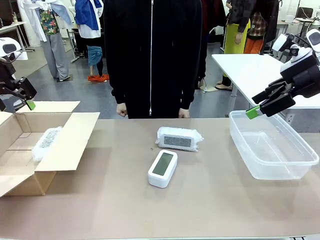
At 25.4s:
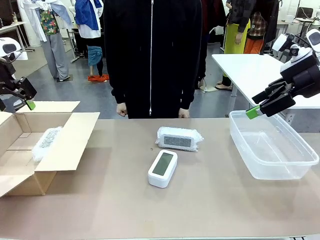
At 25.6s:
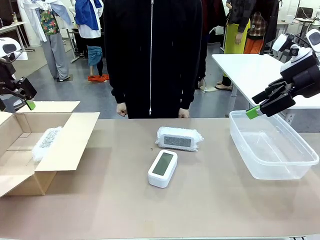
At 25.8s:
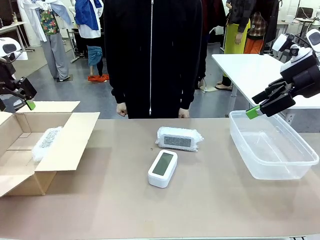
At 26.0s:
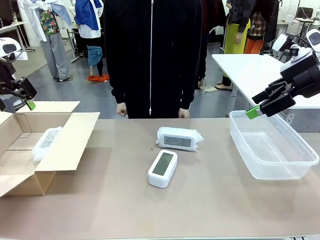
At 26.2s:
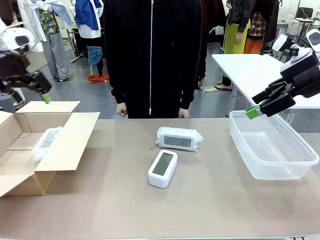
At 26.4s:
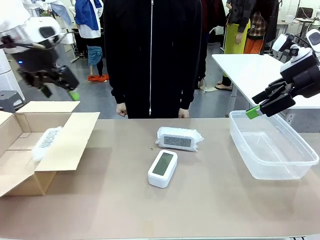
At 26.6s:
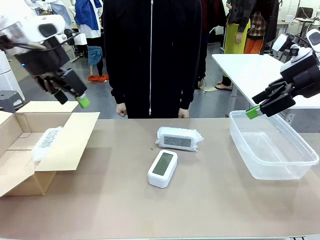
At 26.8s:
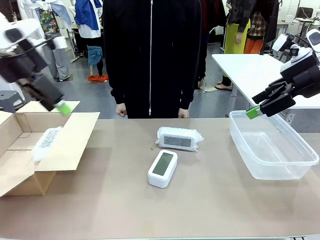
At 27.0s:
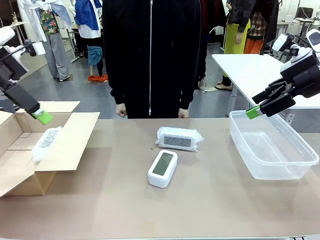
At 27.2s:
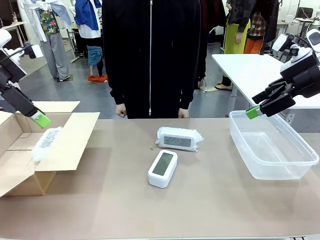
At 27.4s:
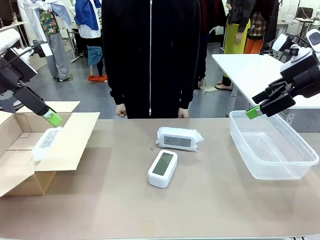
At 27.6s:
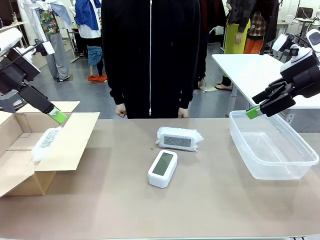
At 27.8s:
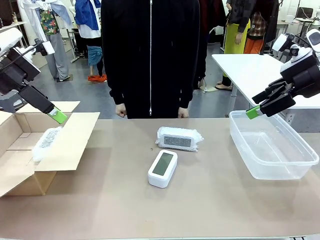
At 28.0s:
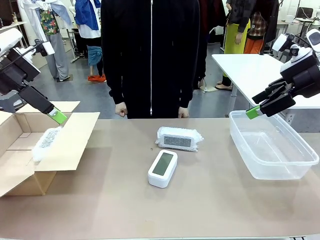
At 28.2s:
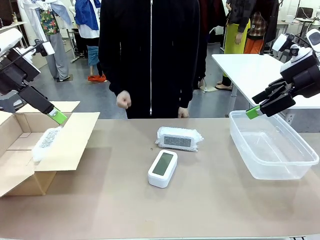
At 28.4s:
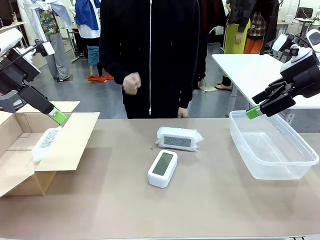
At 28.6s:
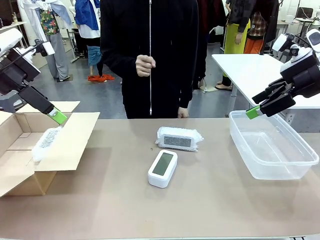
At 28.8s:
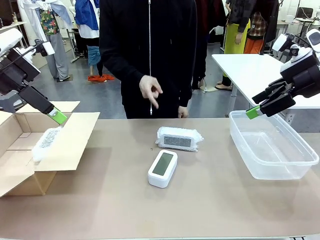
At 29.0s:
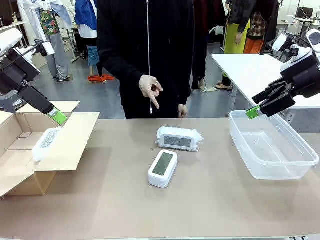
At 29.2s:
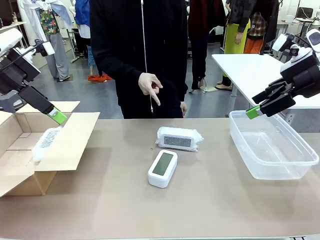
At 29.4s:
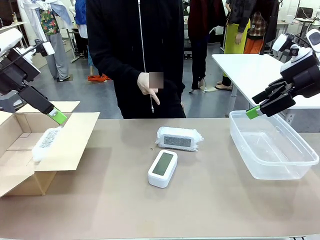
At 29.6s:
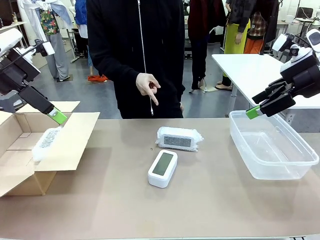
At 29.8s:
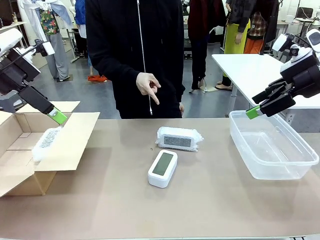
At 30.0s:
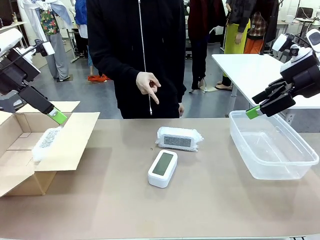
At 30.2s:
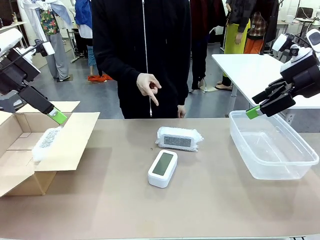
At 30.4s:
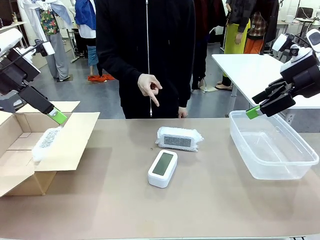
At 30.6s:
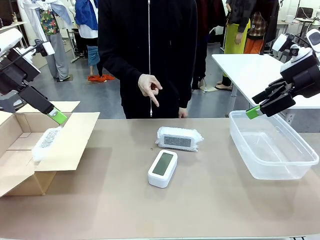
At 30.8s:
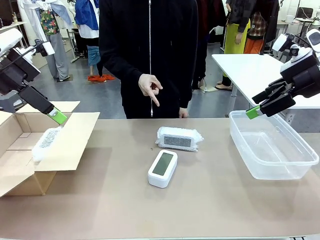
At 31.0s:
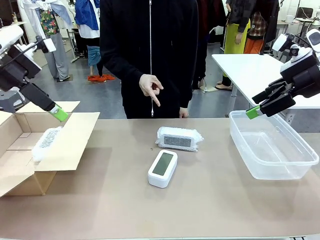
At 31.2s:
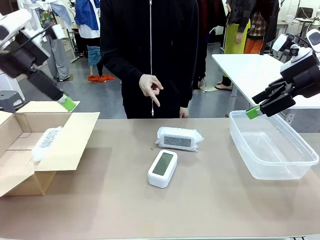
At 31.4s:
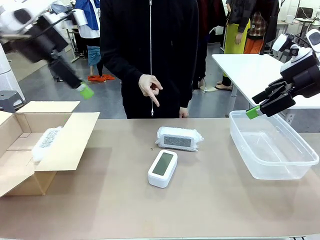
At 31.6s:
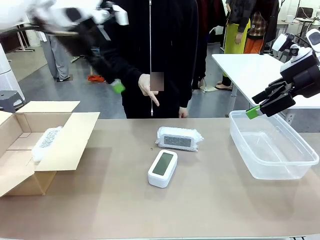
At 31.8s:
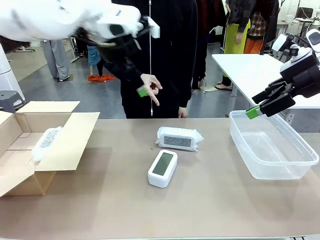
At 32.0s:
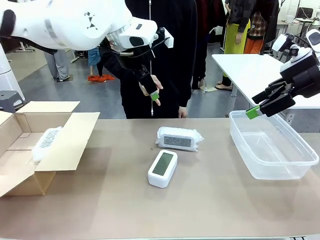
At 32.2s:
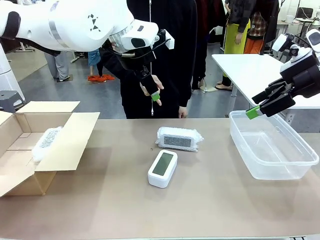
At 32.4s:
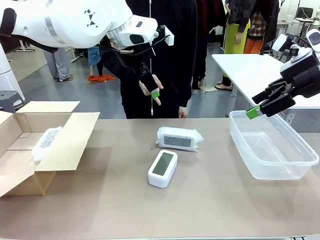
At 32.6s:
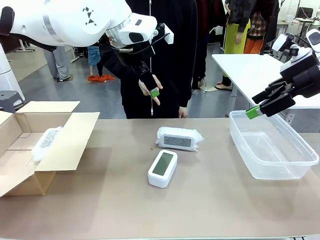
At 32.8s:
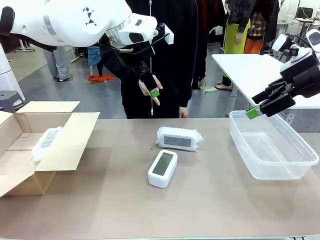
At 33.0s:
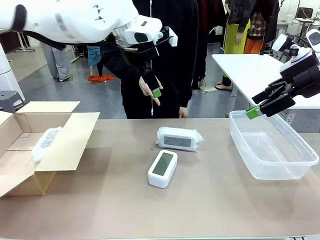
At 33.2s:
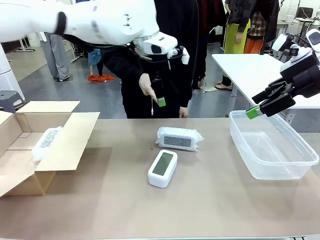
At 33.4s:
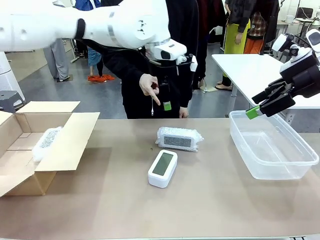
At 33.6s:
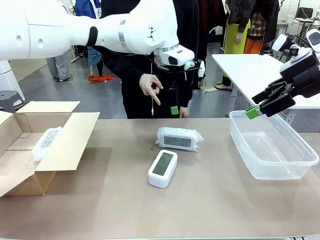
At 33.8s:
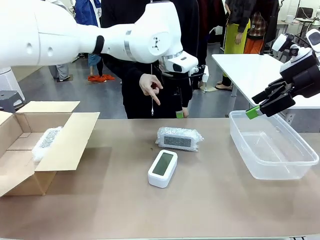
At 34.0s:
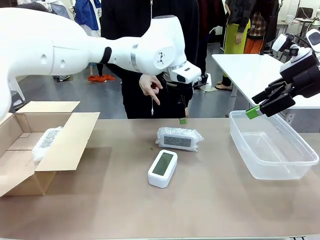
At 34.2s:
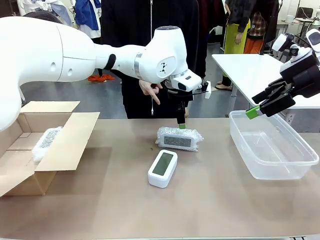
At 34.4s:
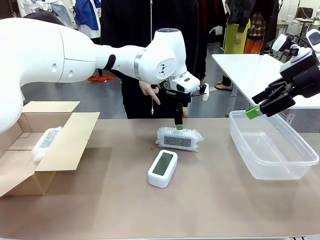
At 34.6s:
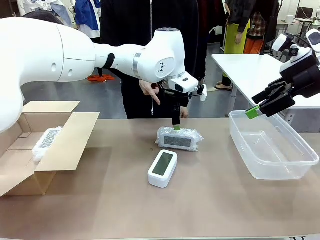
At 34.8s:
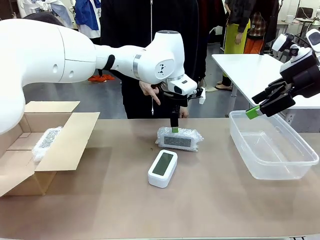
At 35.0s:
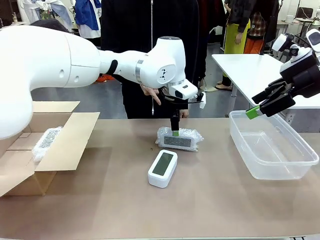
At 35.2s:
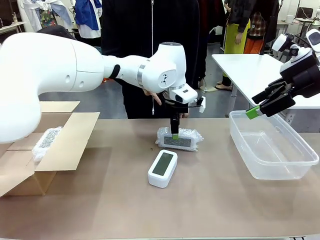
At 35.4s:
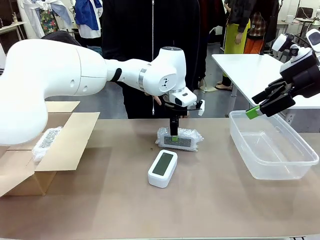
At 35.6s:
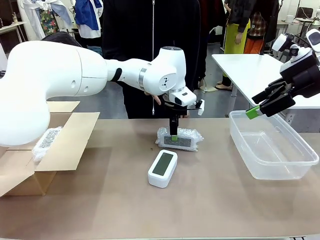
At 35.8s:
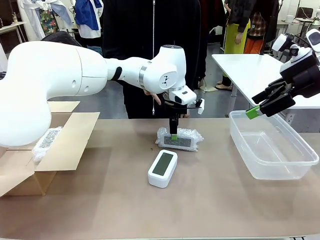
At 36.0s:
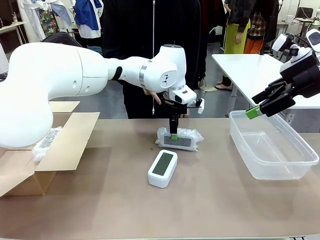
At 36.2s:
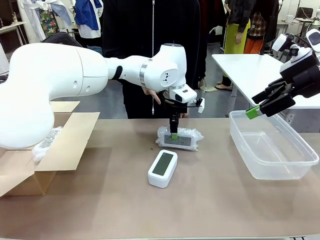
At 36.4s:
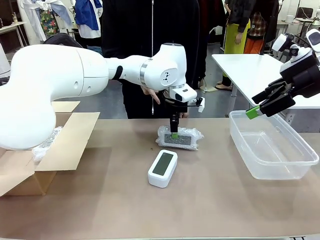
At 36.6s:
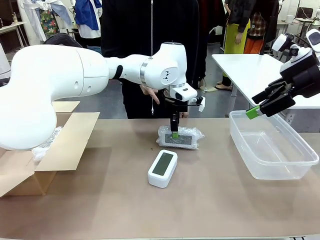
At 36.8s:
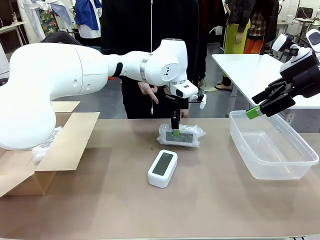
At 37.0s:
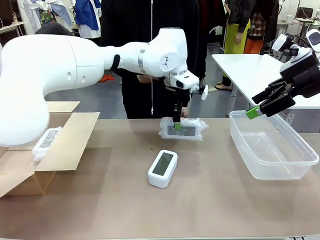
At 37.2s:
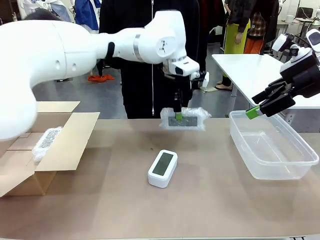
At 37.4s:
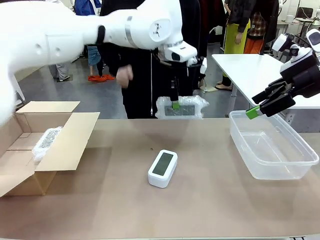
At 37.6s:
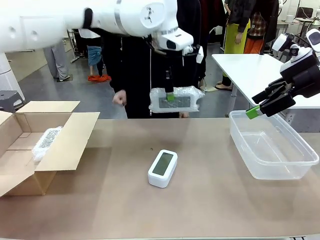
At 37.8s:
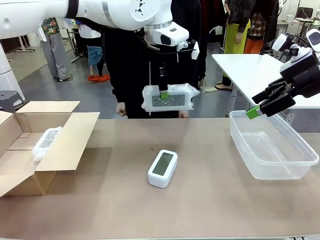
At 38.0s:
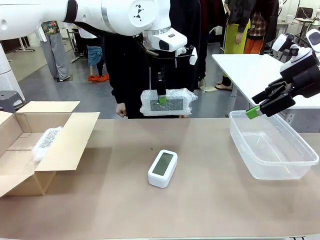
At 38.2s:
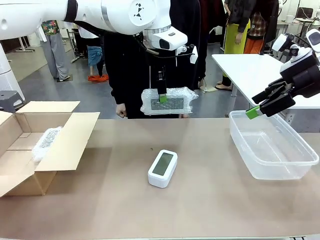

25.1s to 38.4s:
Task: Separate and place wrapped and unwrapped clocks.
Robot: Pick up the Digital clock indicated by the person.

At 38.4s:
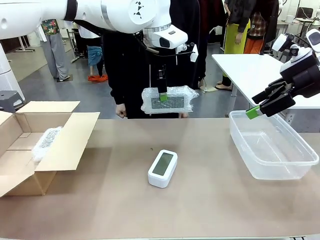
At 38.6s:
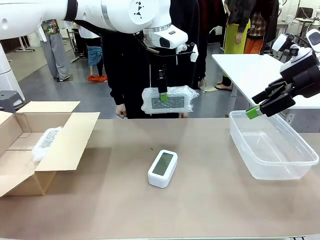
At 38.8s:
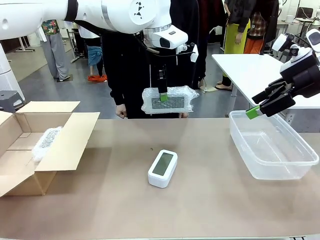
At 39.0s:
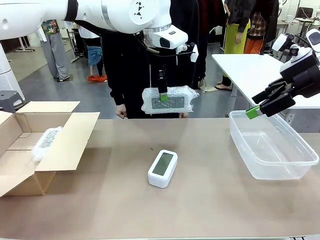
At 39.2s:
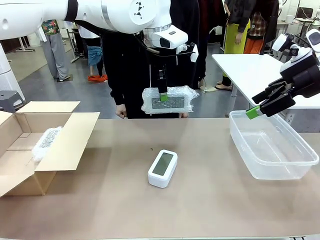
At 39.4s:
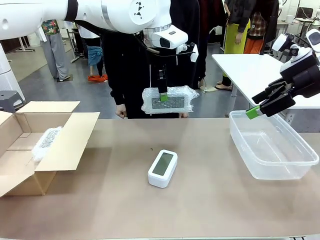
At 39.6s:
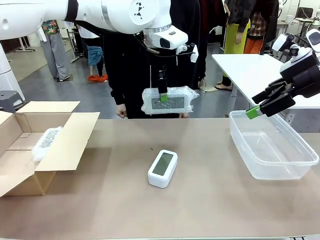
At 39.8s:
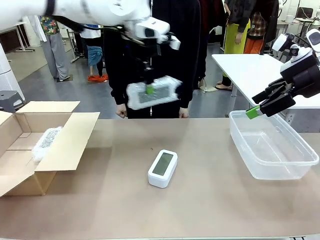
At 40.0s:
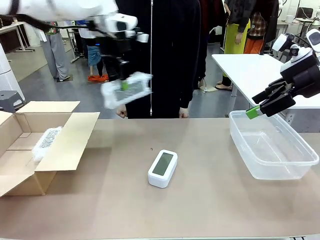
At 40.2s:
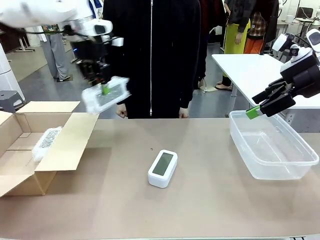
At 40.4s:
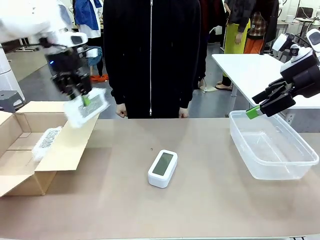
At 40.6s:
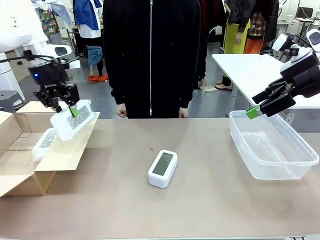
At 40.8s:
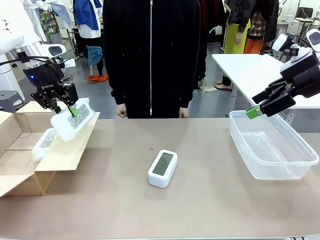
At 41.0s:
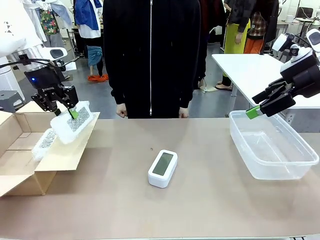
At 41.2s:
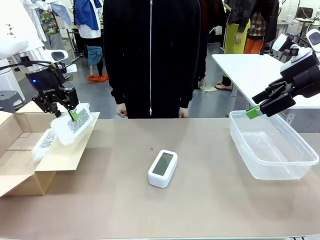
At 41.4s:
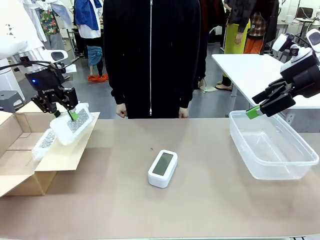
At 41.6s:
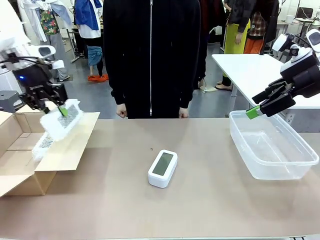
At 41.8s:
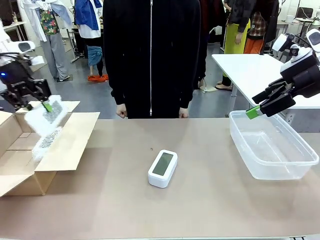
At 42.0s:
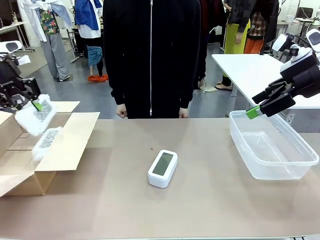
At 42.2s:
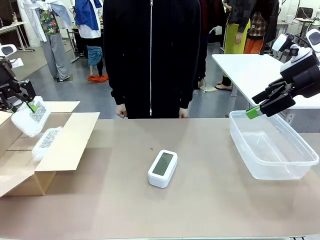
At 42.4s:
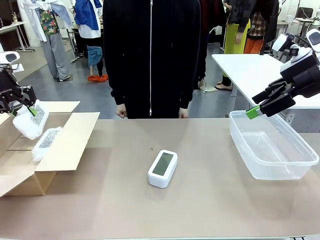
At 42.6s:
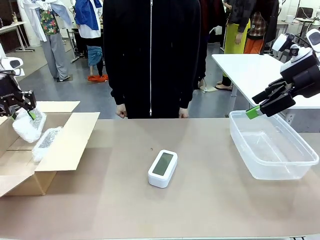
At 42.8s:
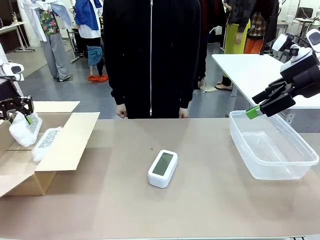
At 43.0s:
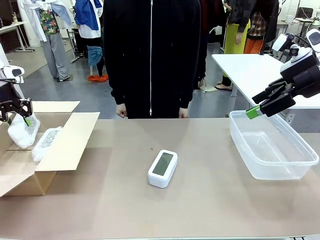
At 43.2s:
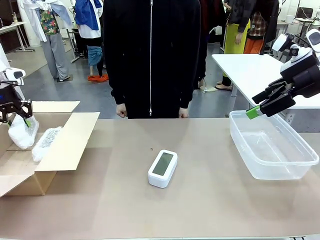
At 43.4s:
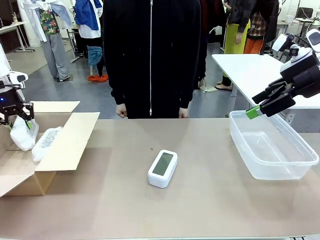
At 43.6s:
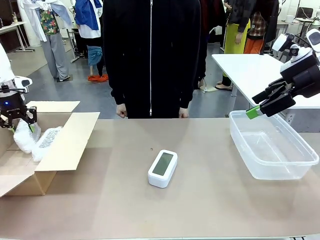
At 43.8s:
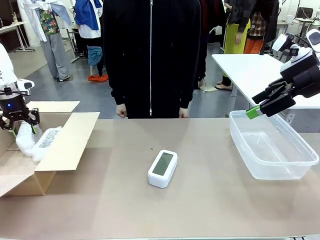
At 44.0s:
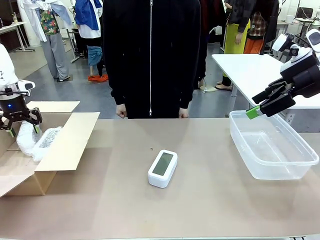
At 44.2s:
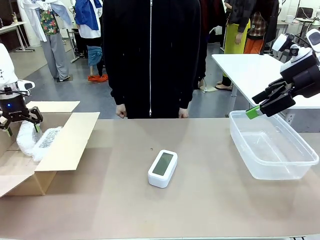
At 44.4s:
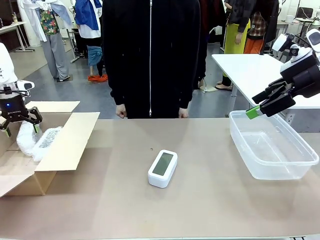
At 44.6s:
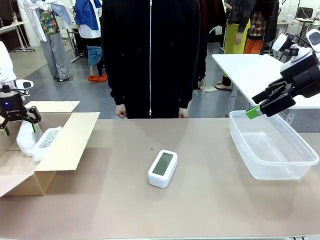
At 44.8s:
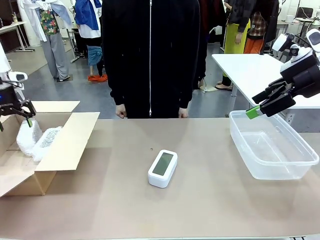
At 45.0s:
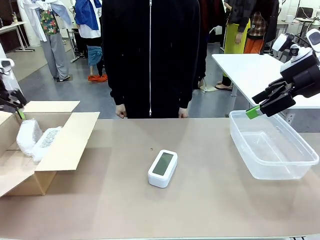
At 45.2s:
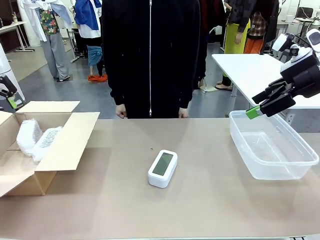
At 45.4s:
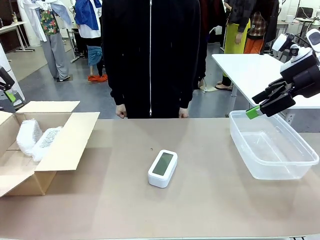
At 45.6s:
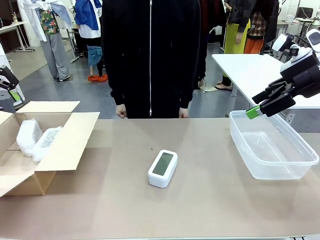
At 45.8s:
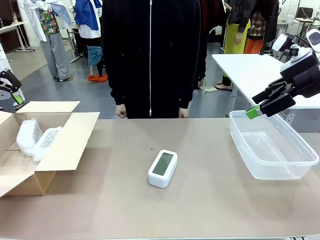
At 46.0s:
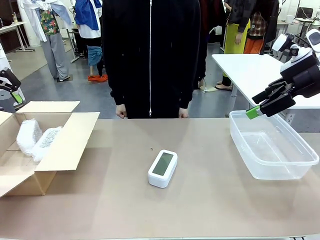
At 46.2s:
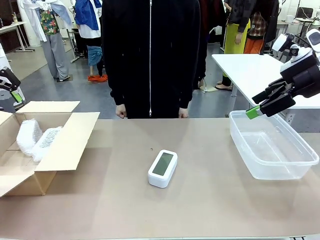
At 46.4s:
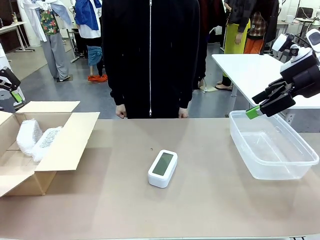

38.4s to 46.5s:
Robot: If the picked Digital clock is wrapped, place it in the Package Box ; if not, place it in the Organizing box.
